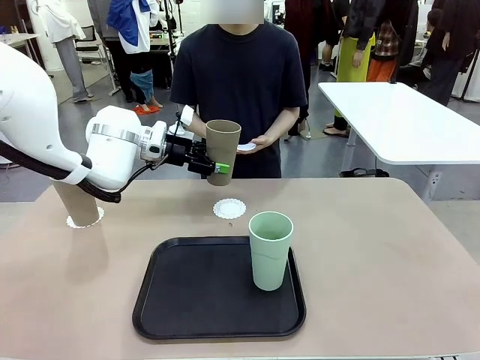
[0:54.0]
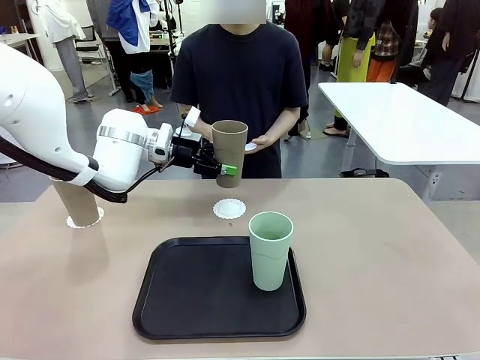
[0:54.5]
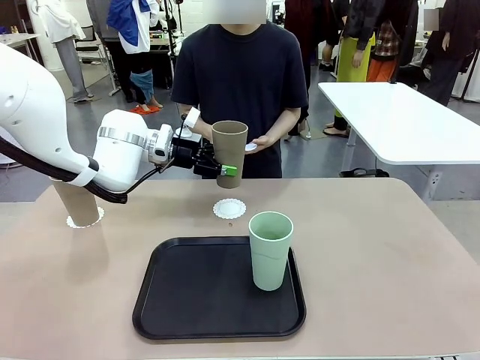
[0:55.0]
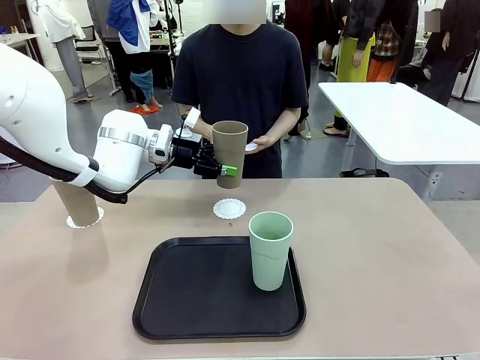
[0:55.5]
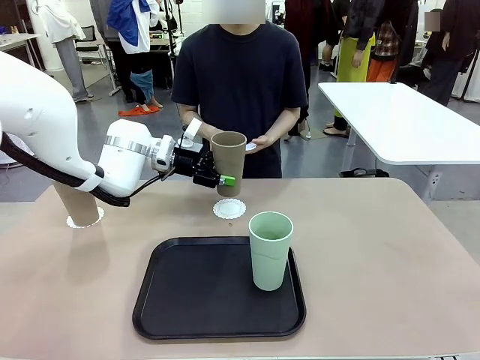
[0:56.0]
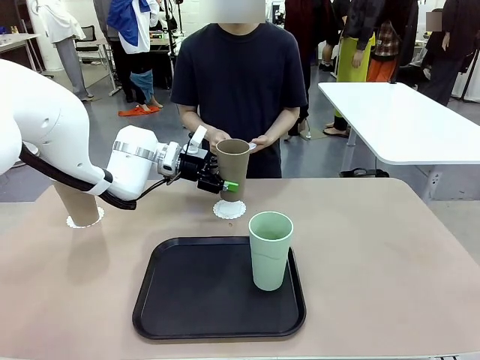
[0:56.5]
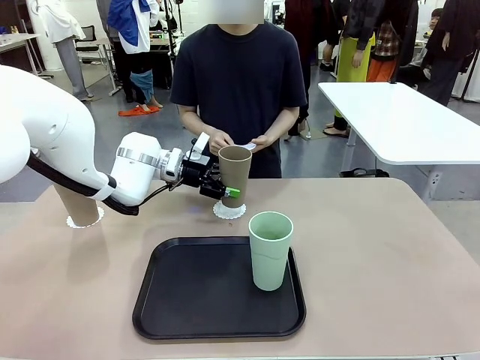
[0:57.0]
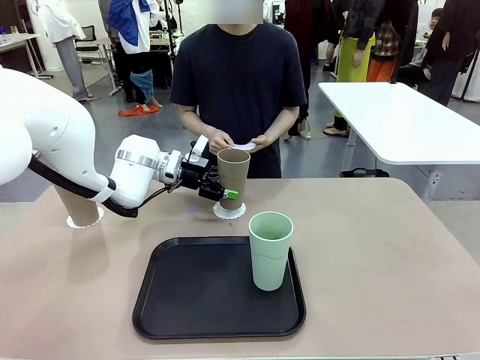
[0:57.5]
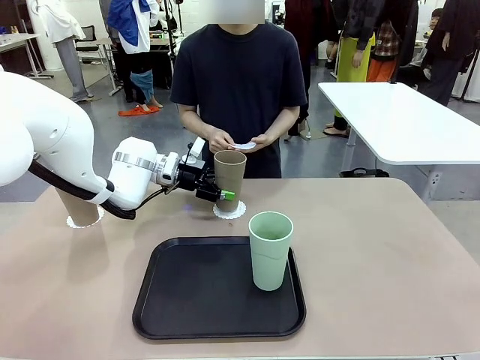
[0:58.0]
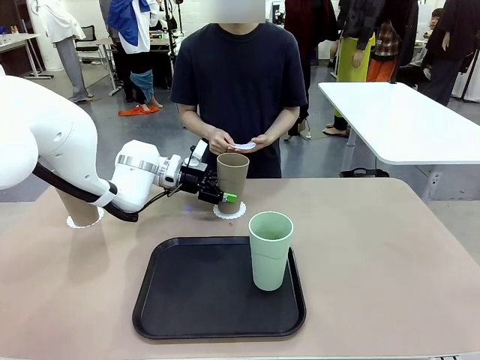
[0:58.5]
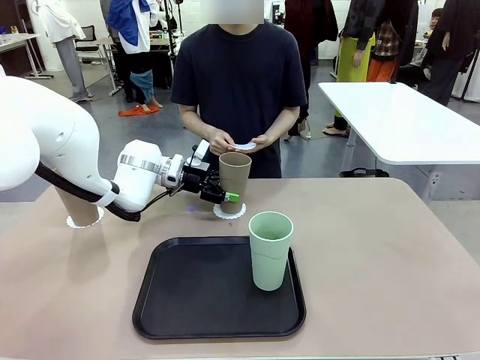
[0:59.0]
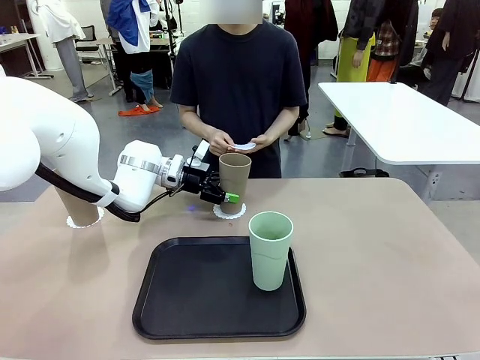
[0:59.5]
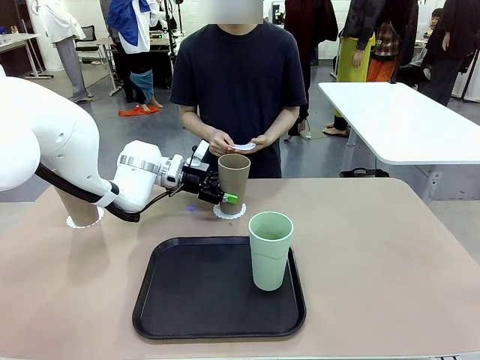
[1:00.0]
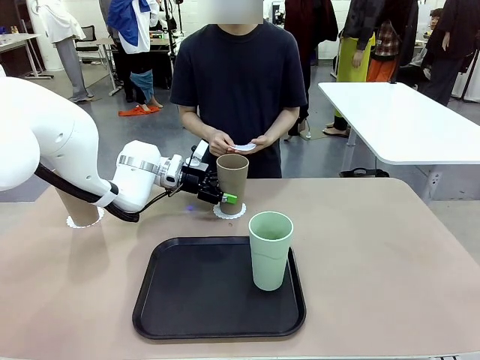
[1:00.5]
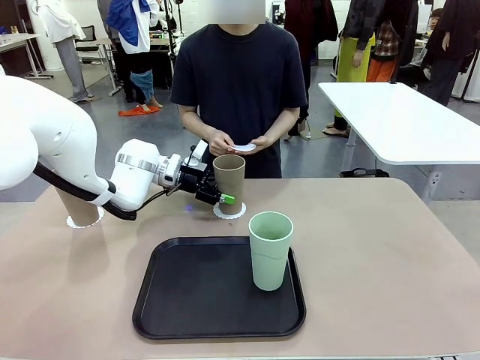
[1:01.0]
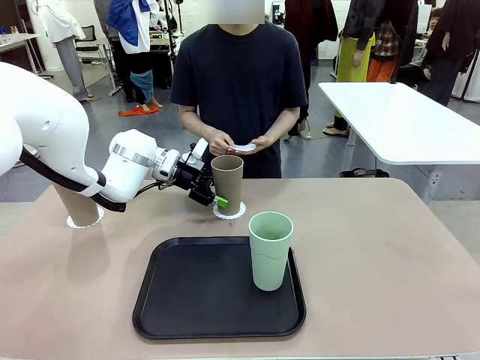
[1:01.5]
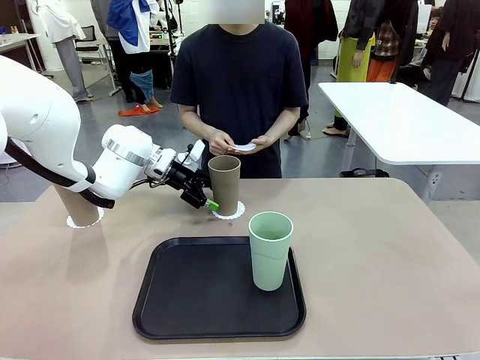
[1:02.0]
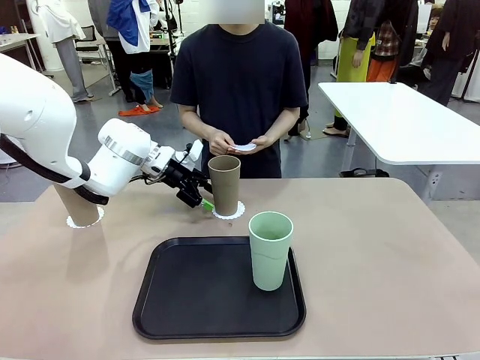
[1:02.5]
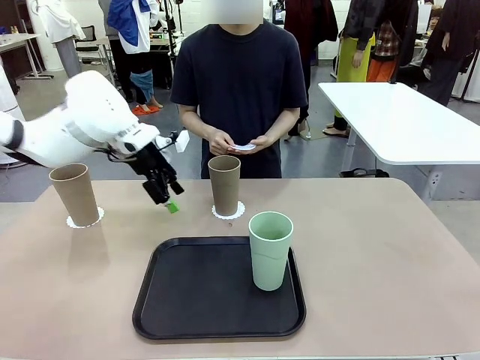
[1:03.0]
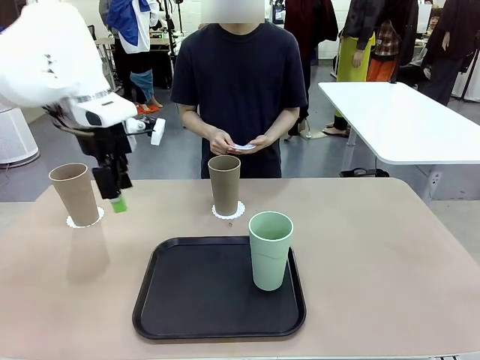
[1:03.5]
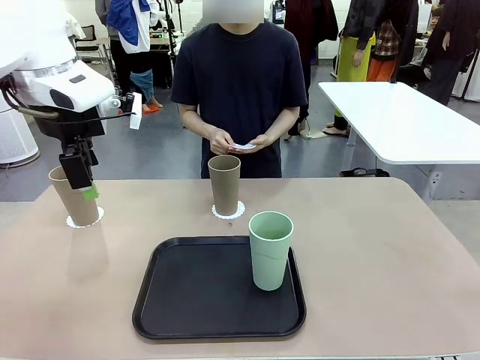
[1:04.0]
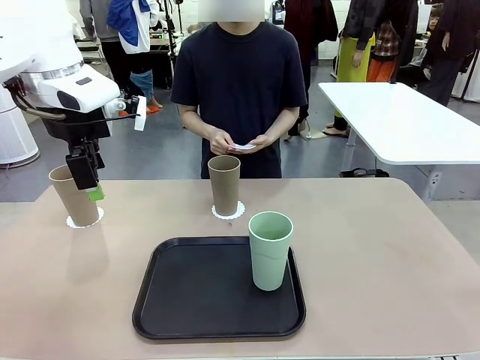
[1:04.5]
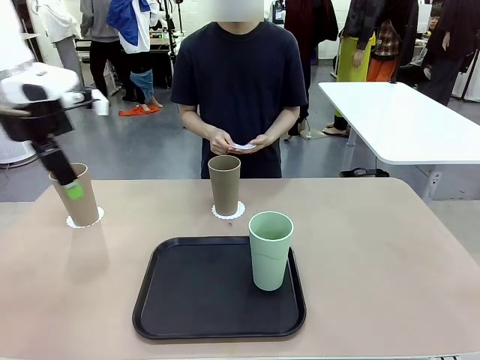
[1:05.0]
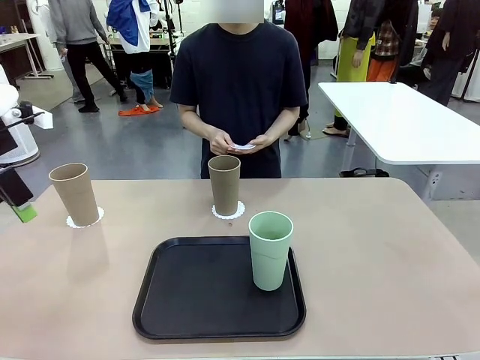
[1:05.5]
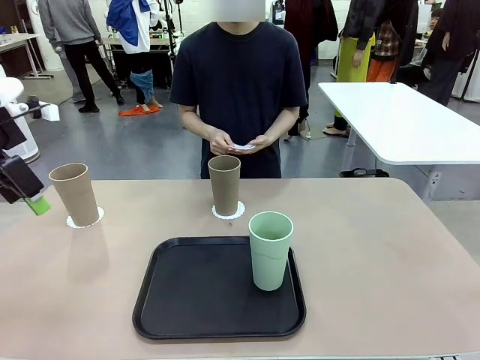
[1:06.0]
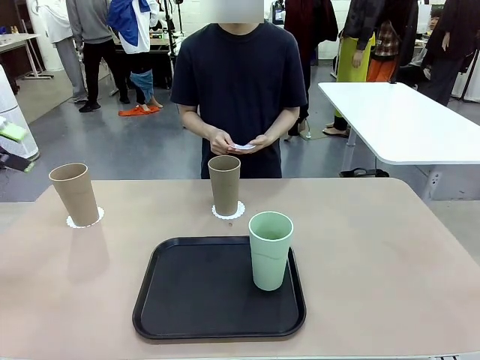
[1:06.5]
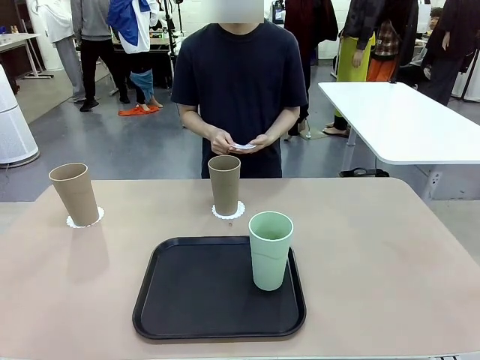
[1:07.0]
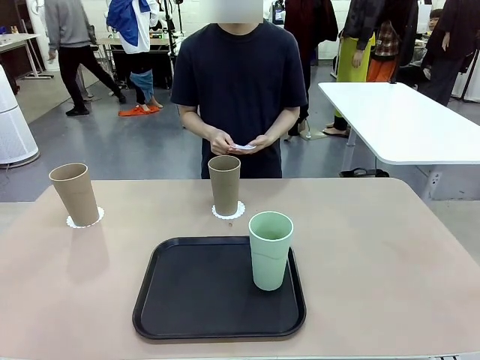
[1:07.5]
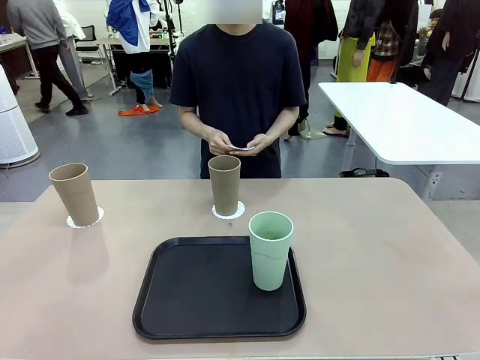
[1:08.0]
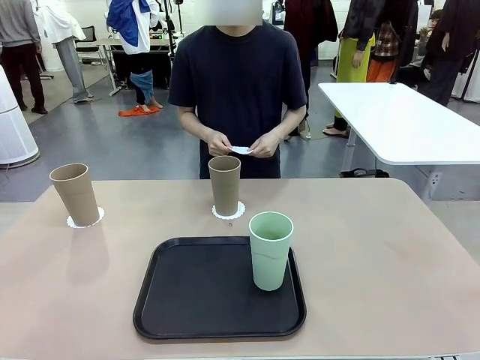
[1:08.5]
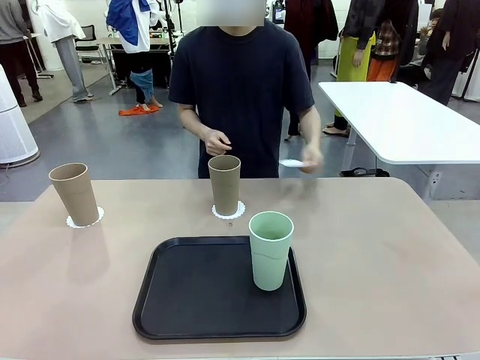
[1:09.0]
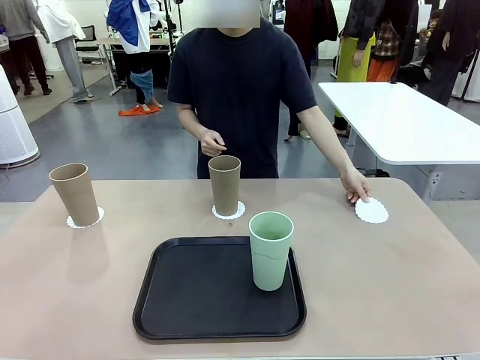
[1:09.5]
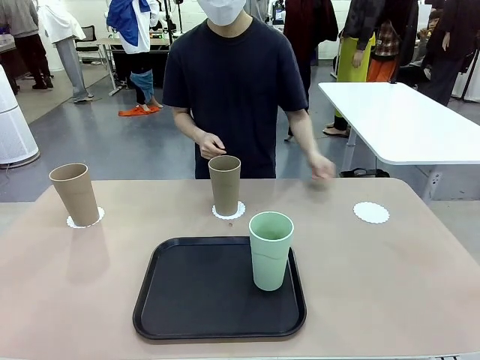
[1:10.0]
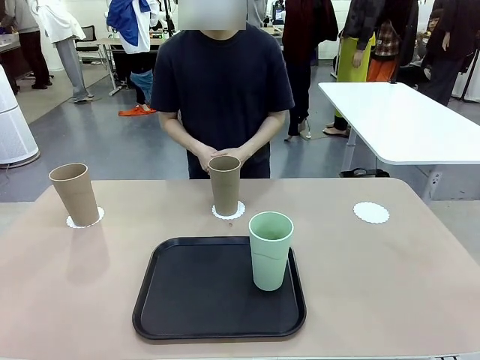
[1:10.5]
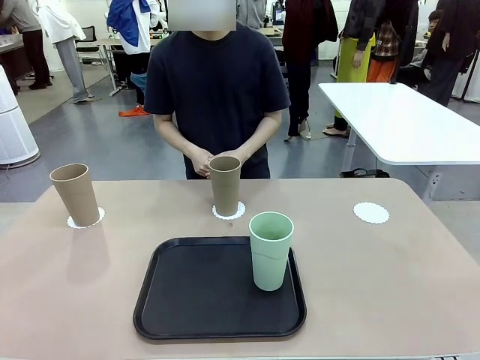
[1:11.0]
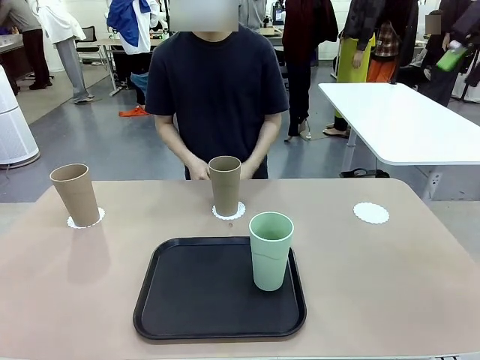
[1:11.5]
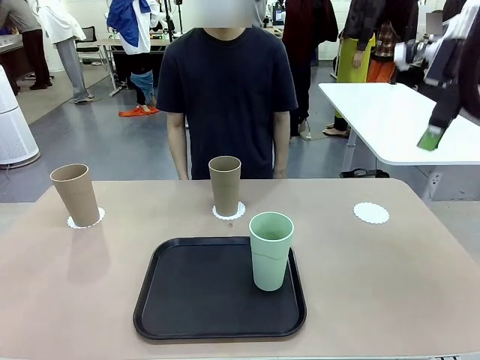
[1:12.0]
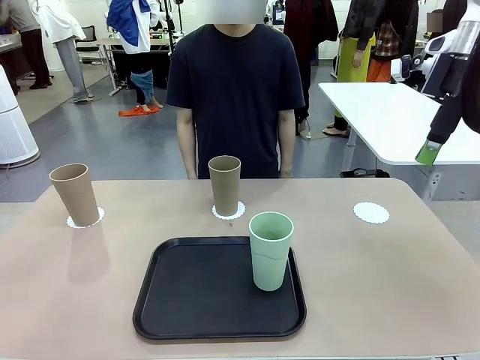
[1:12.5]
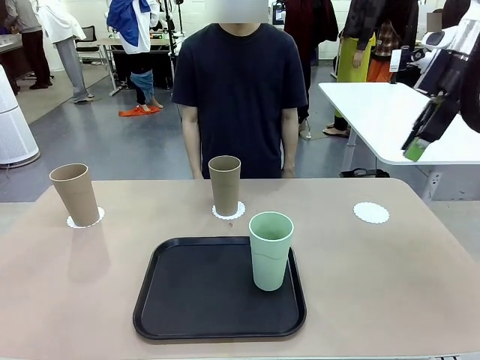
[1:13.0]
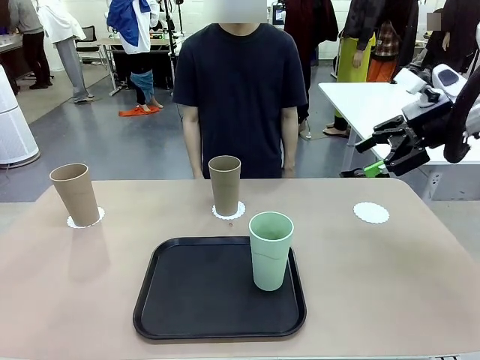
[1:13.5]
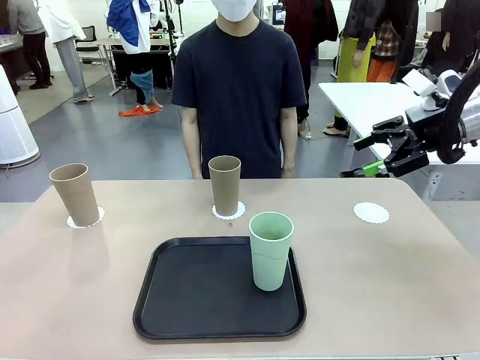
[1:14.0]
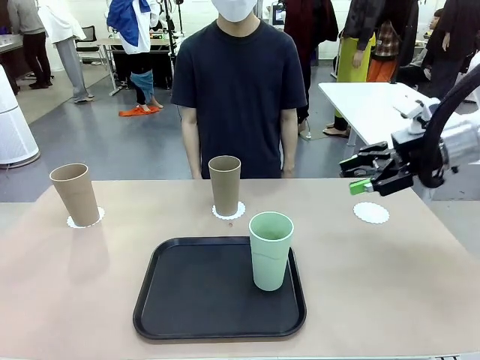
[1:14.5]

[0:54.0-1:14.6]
Task: Place coasters on the table and set cups on them.
Robot: Take one Reusable plastic cup from the Flat Tray and place it on a coaster set by the human.
